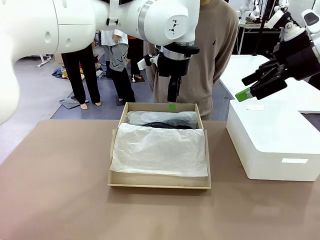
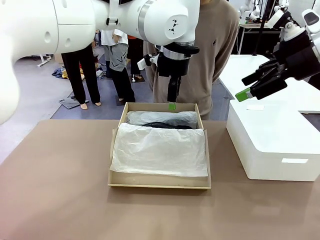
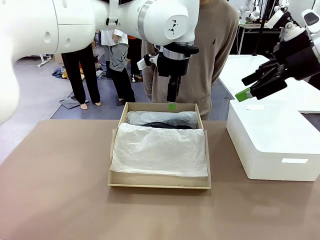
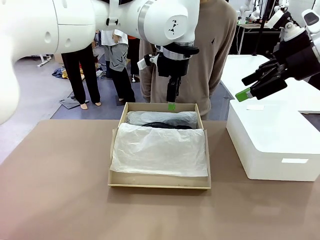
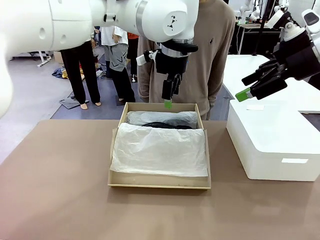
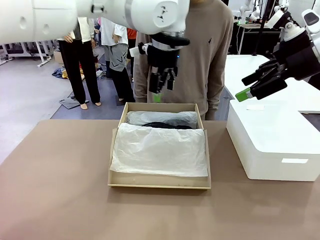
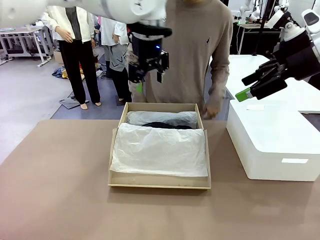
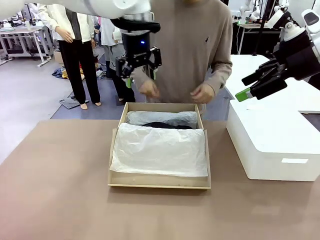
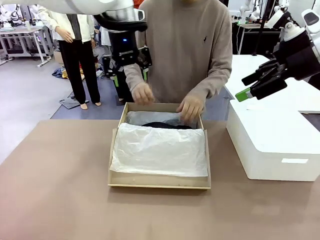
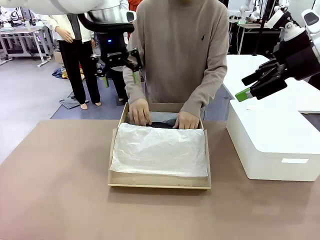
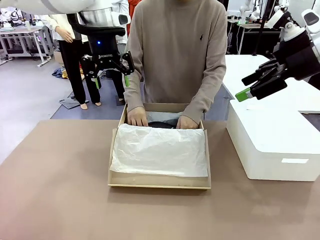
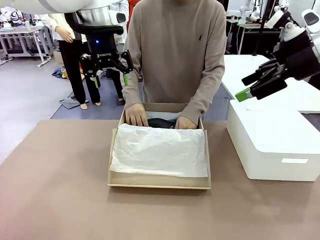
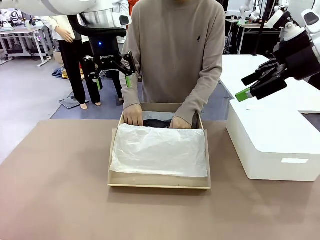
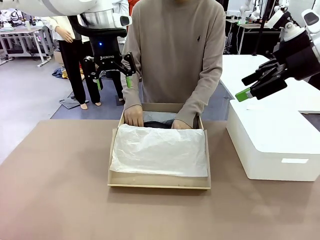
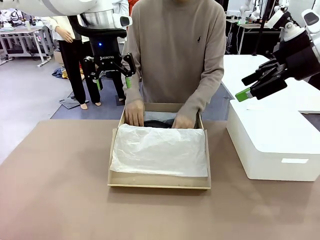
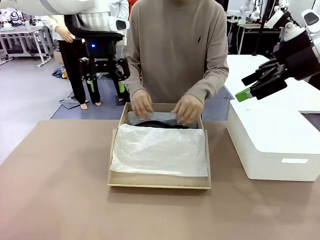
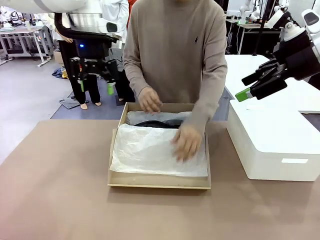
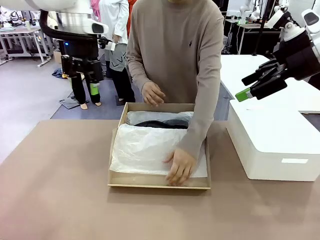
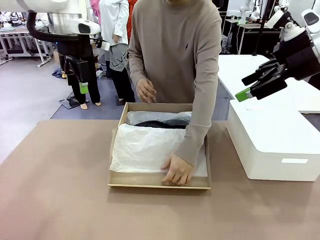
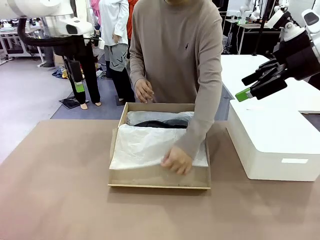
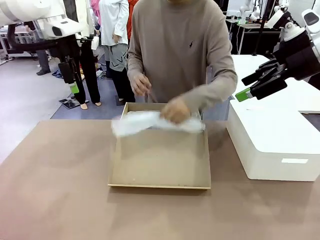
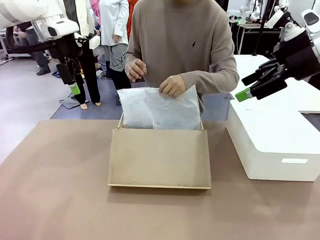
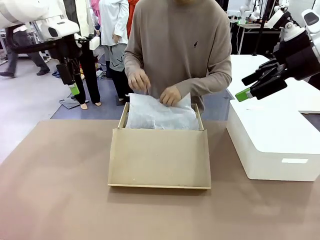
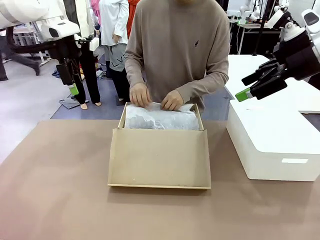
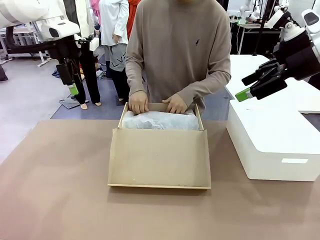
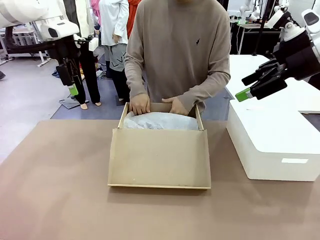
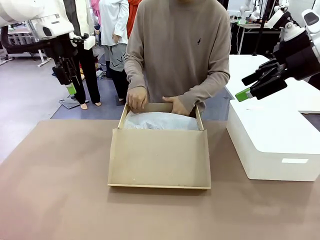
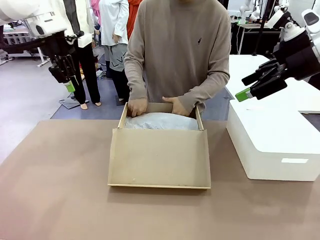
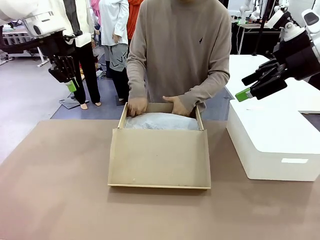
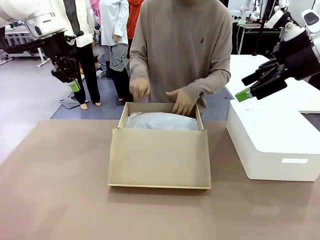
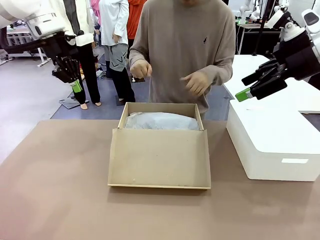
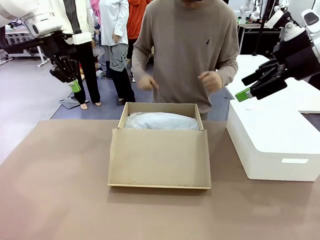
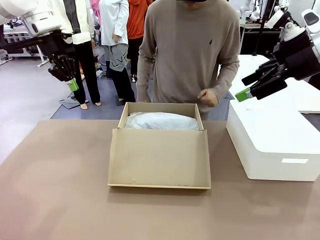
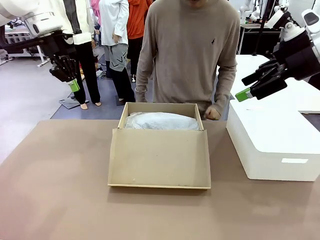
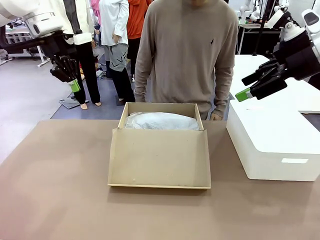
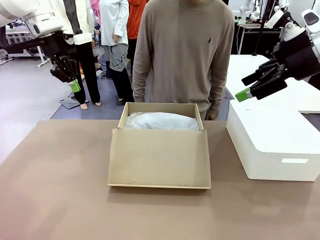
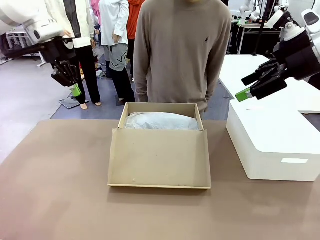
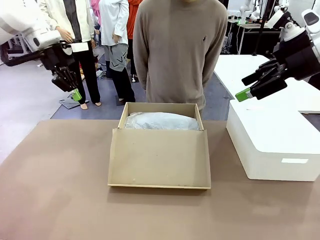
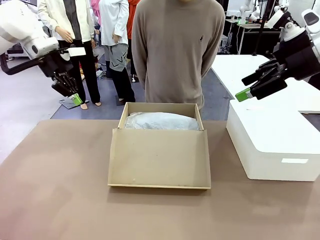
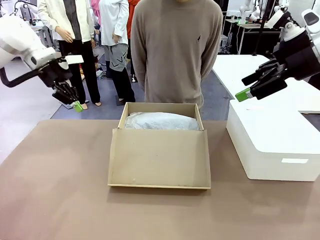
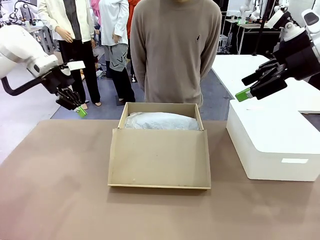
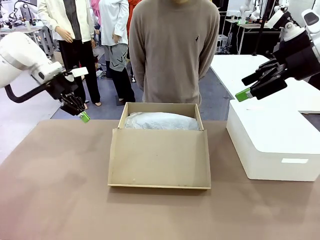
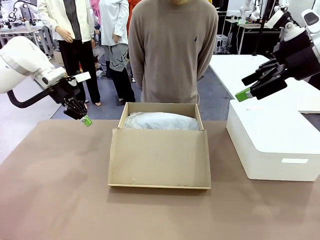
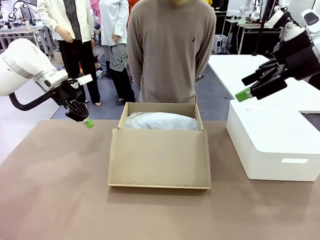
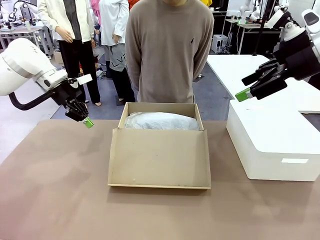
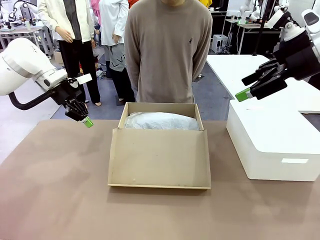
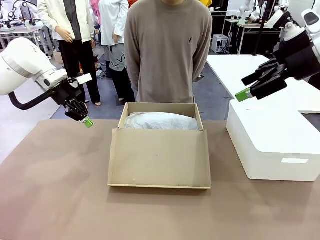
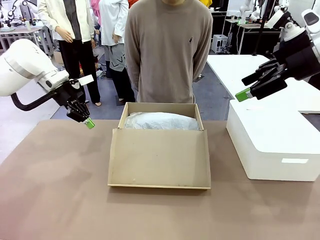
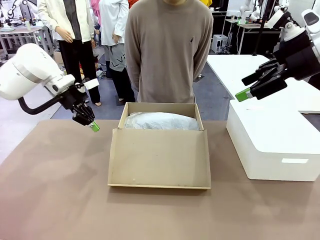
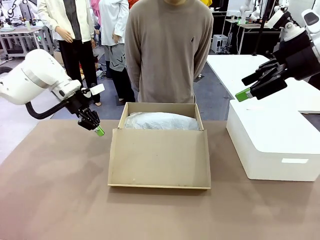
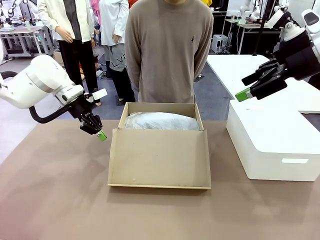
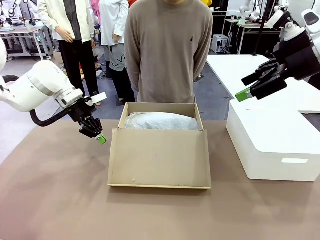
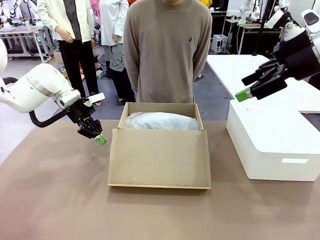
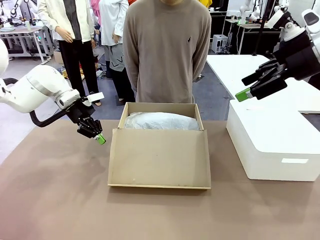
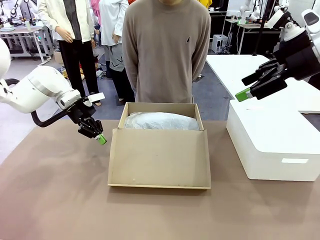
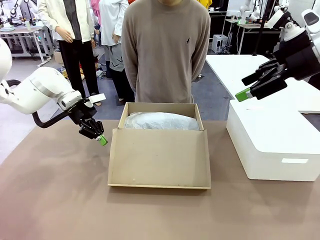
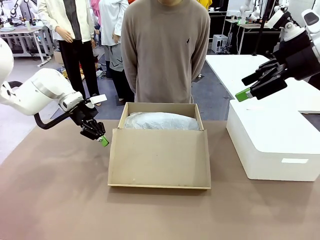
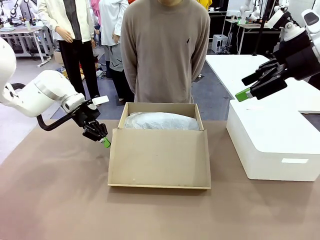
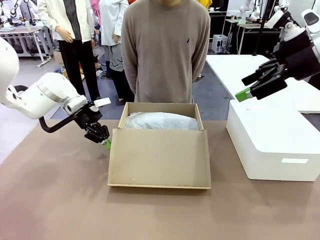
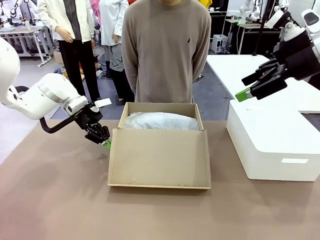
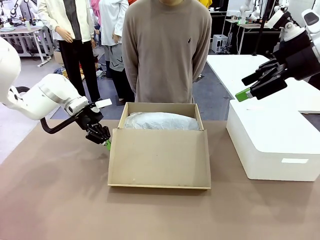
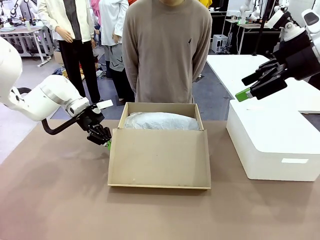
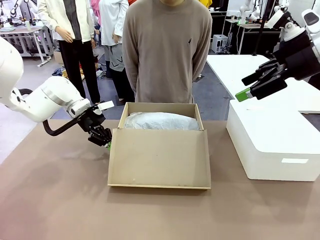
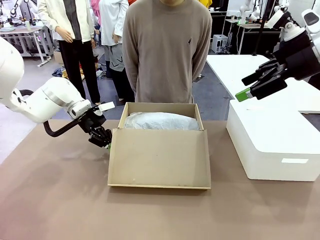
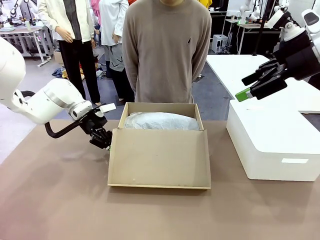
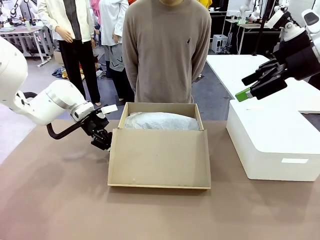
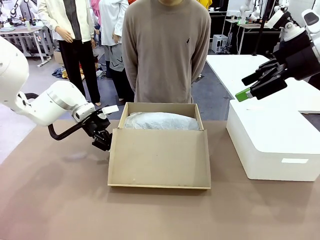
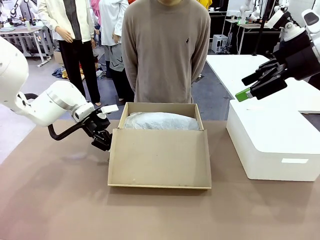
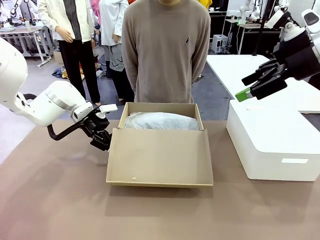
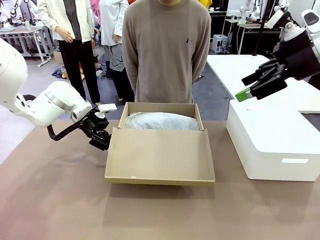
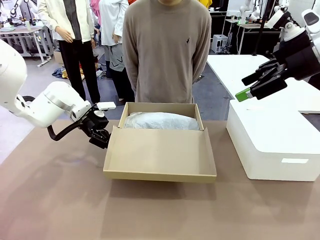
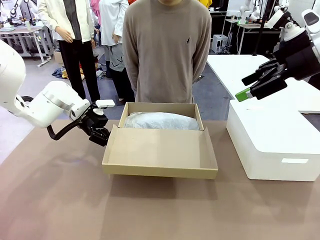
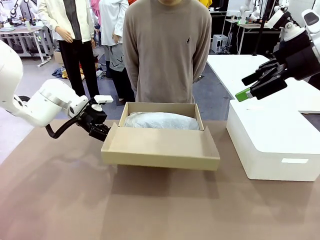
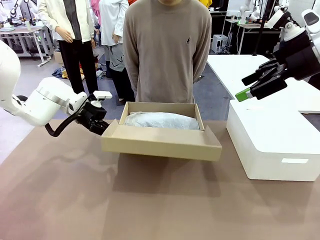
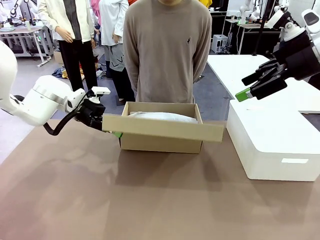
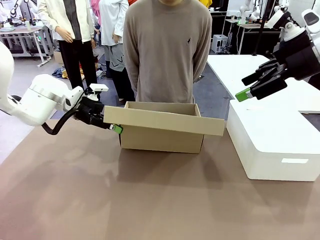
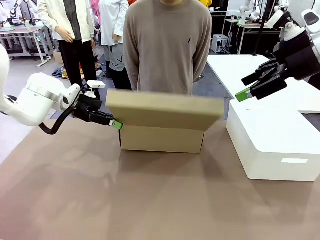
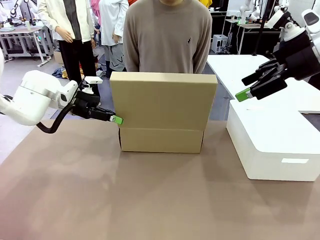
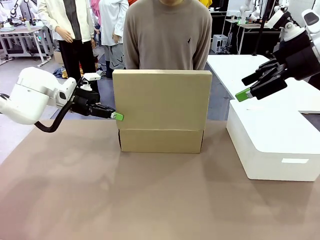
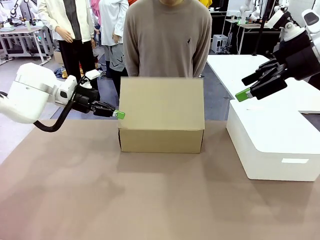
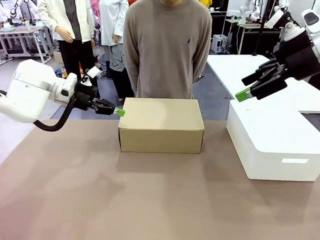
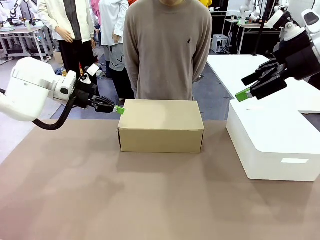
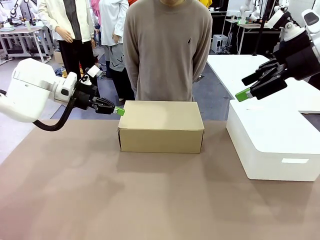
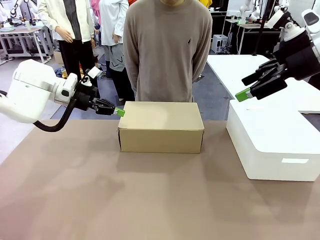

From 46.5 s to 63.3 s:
Task: Pack the shoes into the box.
Robot: Close the Shoes Box.

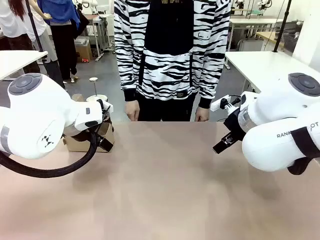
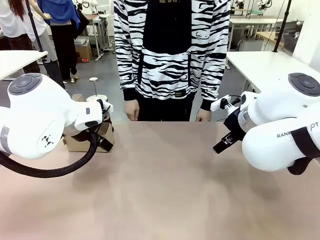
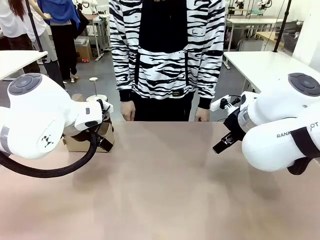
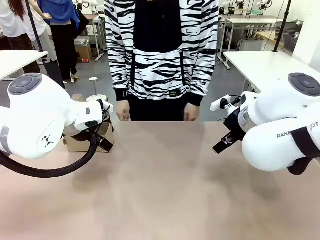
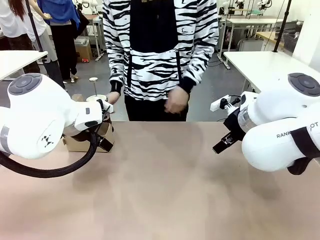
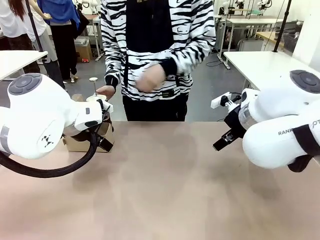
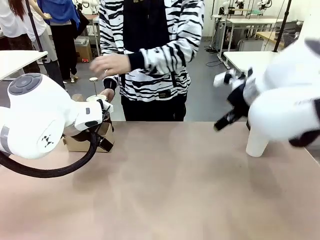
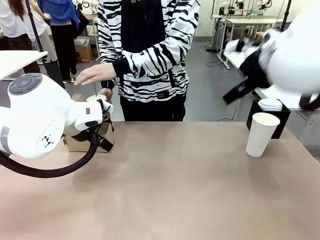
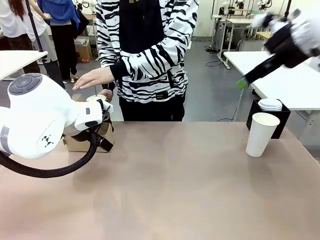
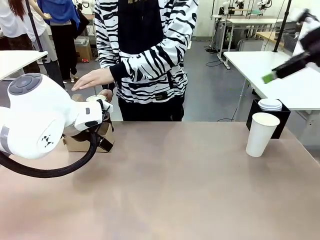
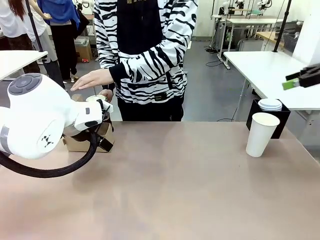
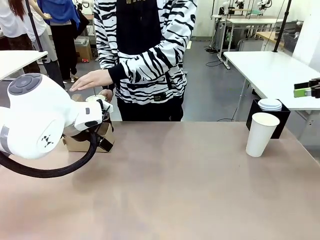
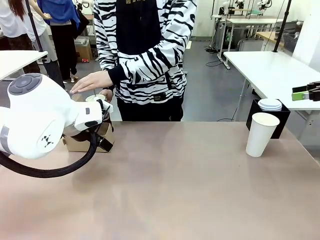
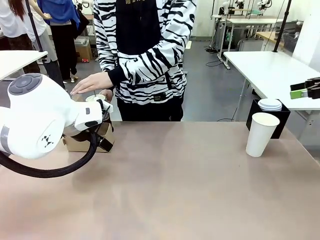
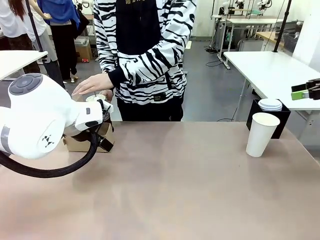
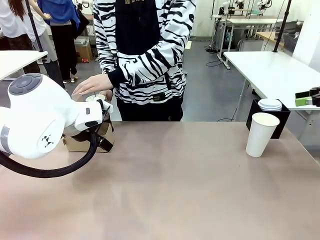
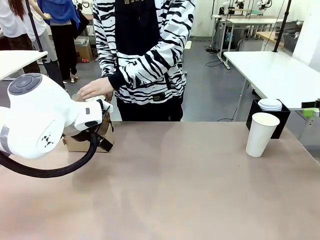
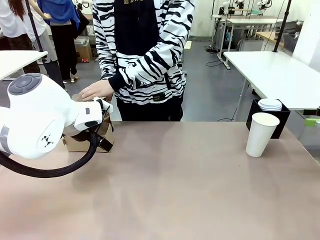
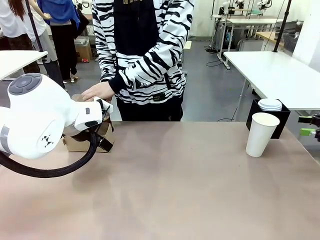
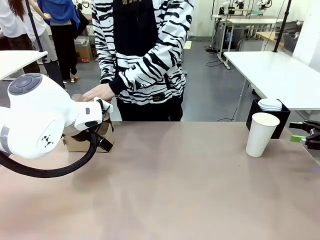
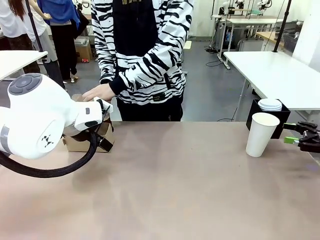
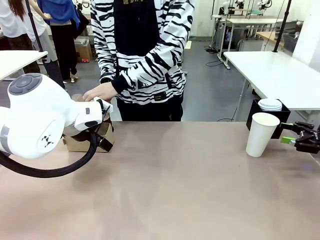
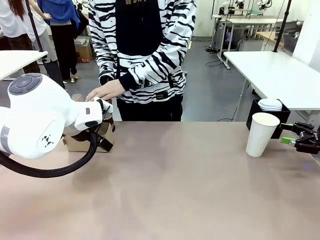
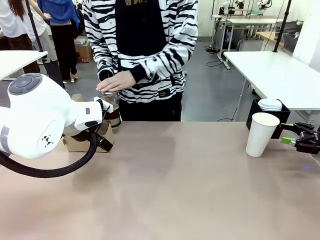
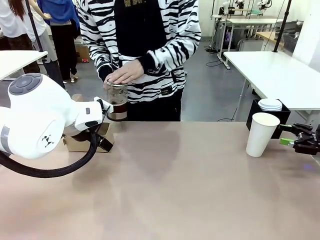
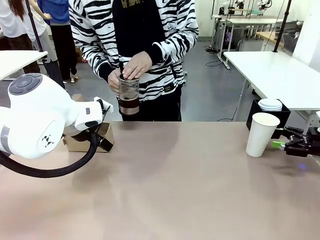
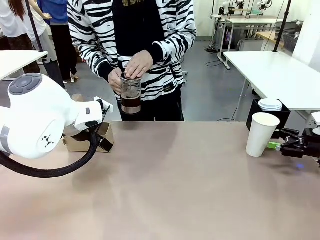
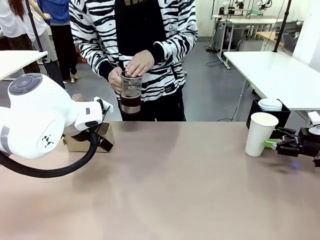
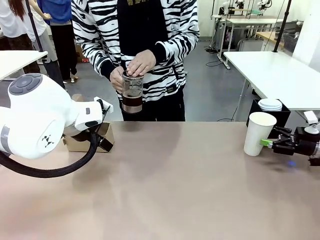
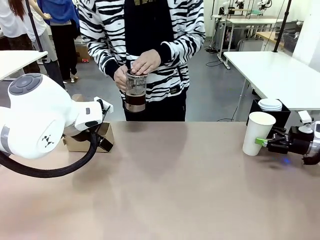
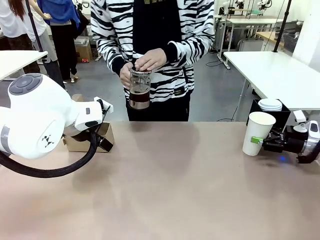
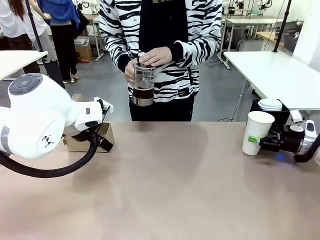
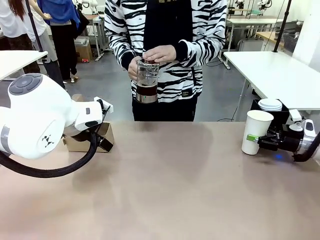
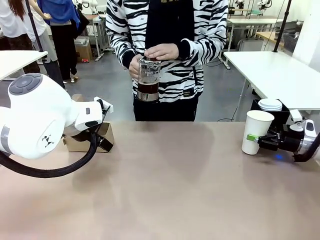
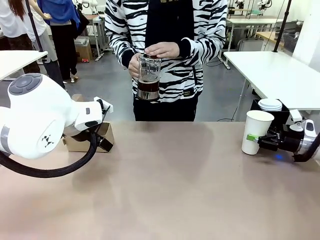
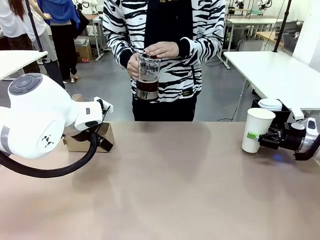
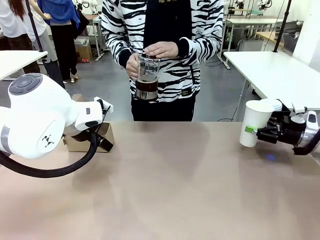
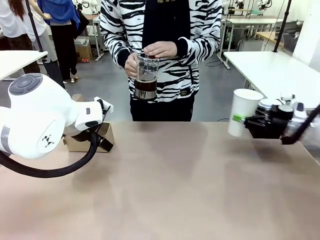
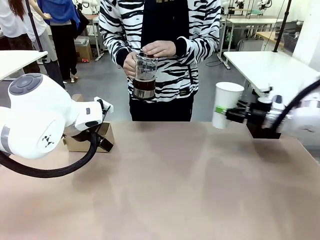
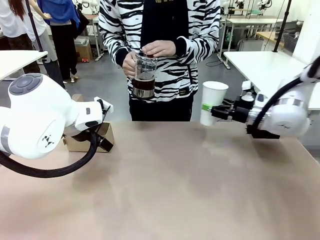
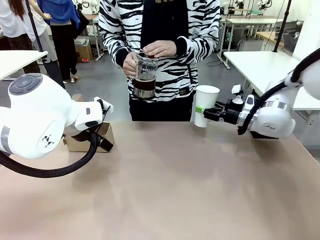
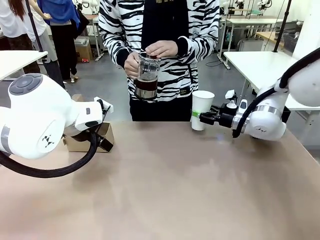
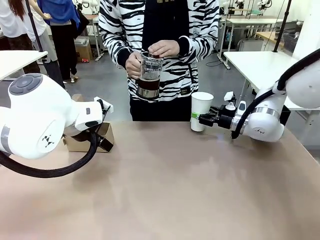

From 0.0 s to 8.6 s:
Task: Pour a drink into a cup and package it in a carrier.
Robot: Pick up the 600 ml Paper Cup and place it in the middle top area of the table.
Person: Press and pick up the Filter Brewing.
